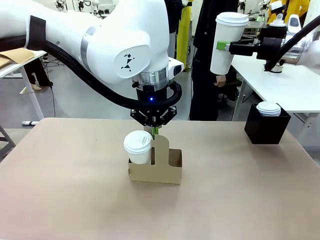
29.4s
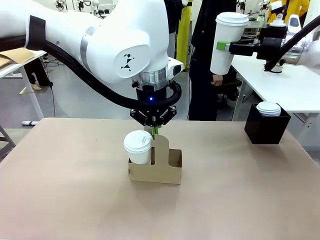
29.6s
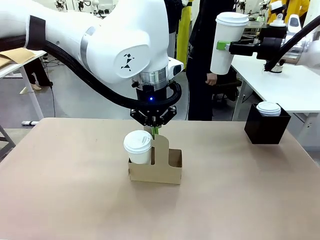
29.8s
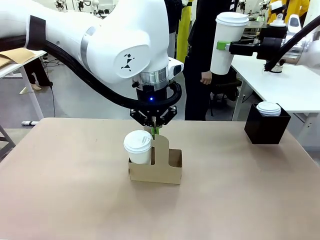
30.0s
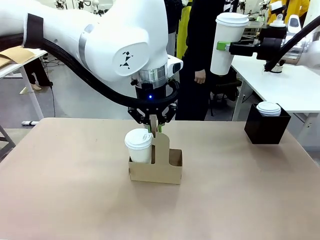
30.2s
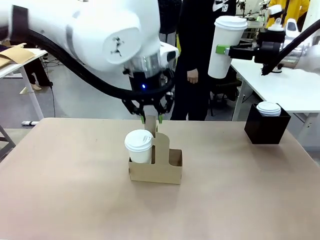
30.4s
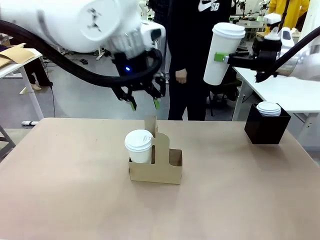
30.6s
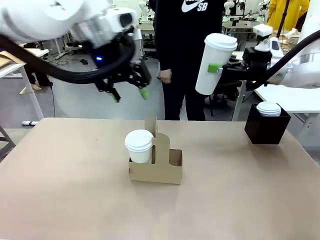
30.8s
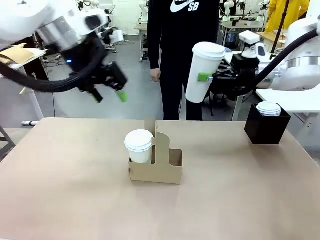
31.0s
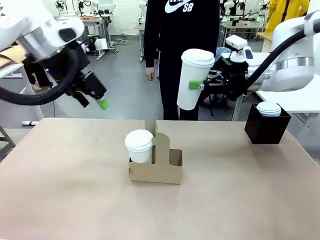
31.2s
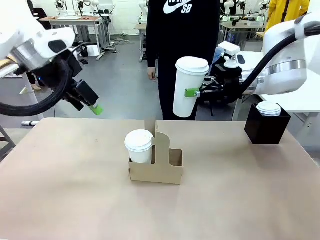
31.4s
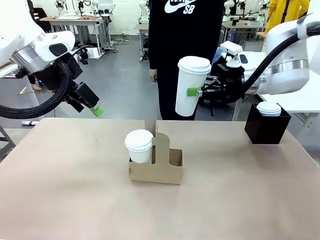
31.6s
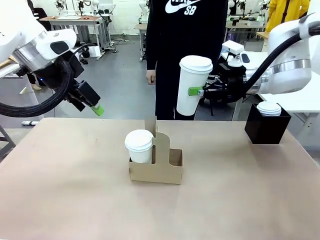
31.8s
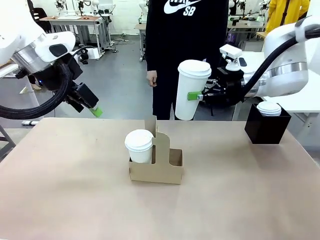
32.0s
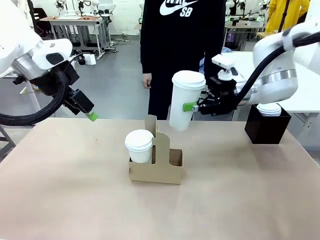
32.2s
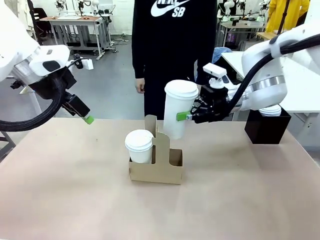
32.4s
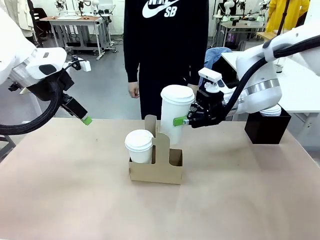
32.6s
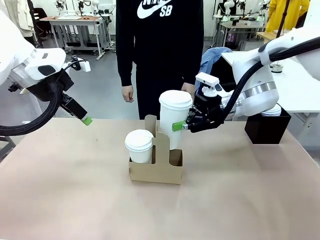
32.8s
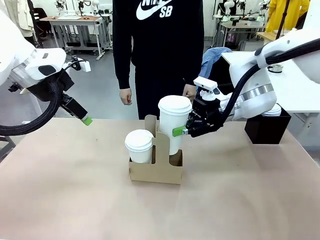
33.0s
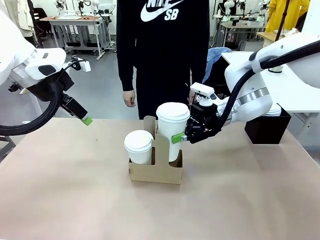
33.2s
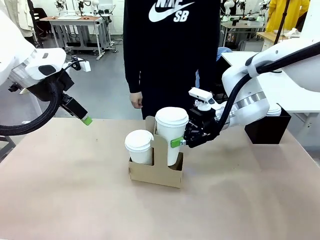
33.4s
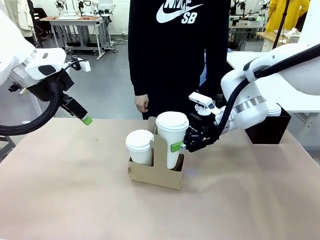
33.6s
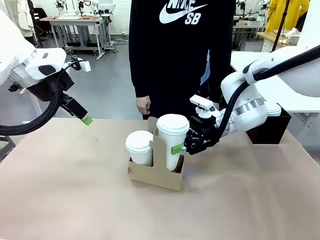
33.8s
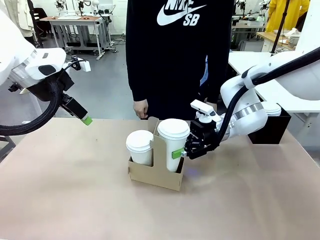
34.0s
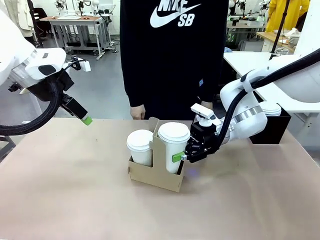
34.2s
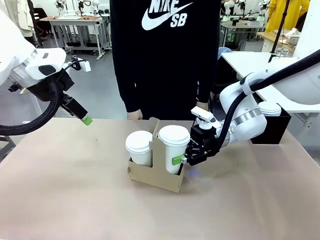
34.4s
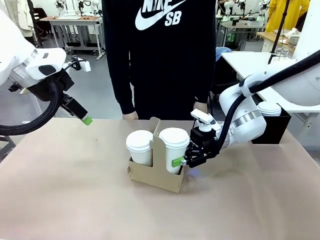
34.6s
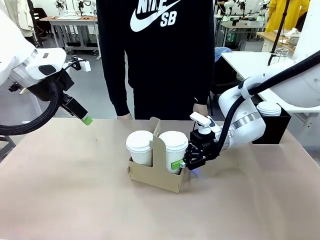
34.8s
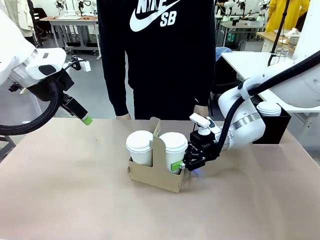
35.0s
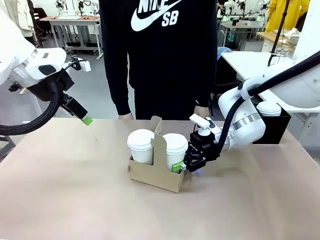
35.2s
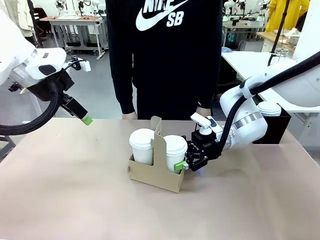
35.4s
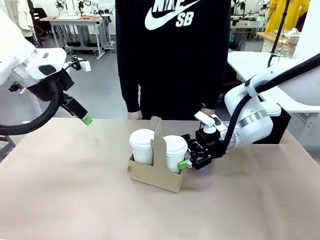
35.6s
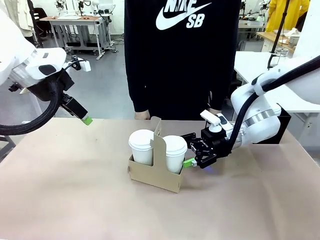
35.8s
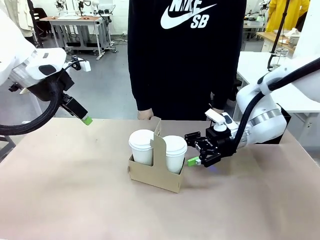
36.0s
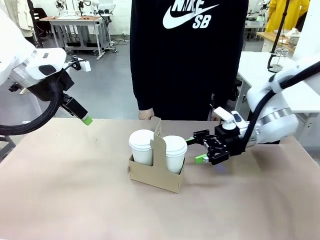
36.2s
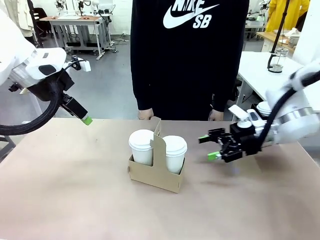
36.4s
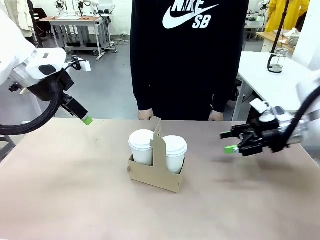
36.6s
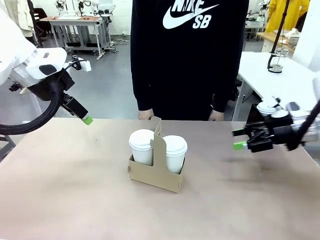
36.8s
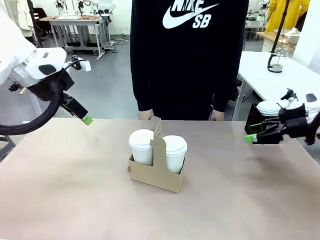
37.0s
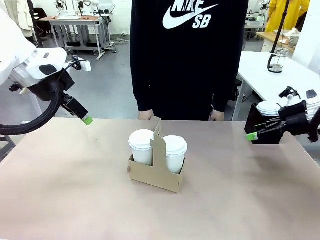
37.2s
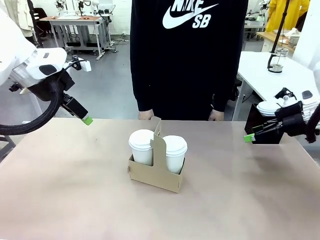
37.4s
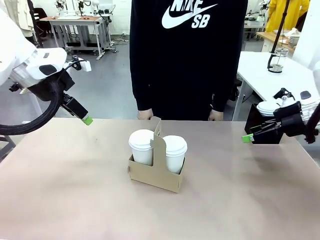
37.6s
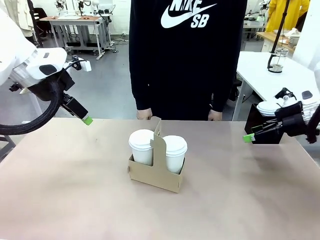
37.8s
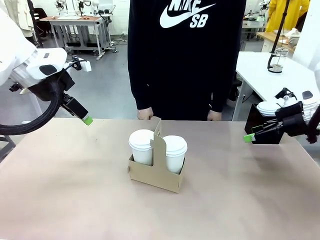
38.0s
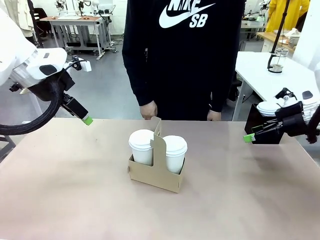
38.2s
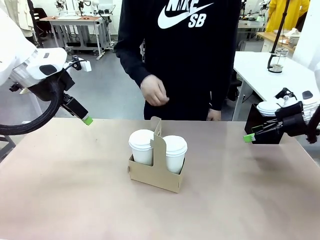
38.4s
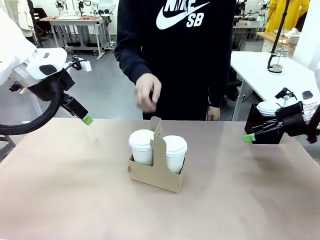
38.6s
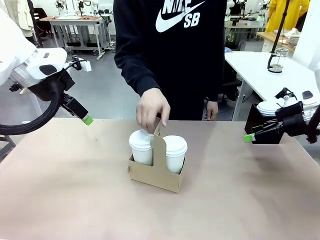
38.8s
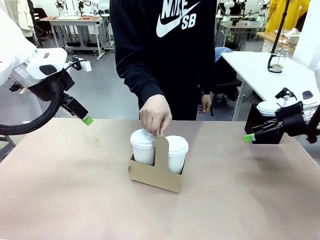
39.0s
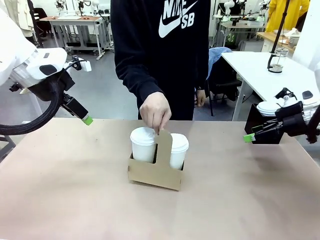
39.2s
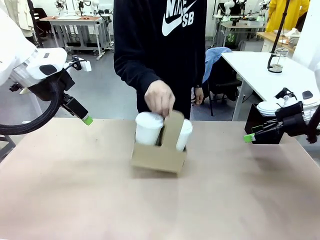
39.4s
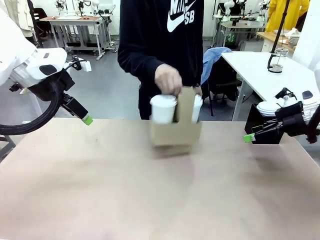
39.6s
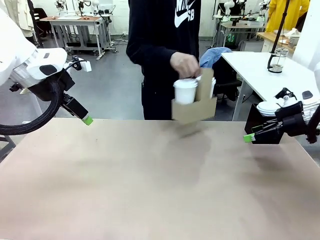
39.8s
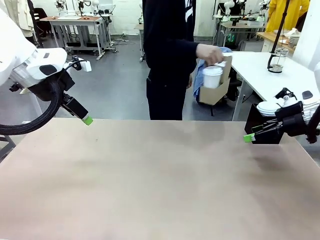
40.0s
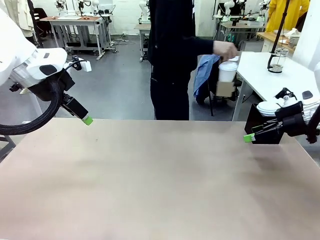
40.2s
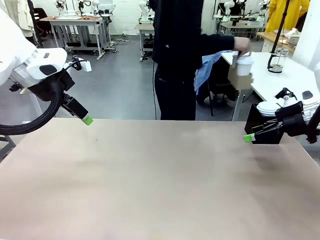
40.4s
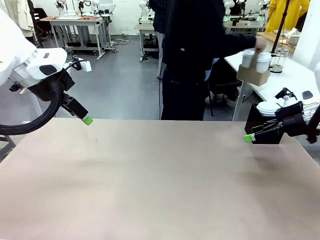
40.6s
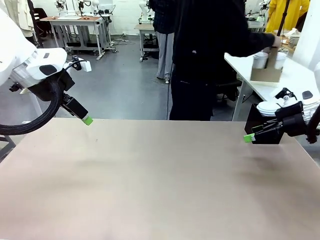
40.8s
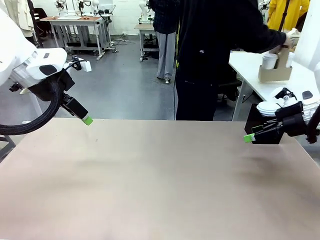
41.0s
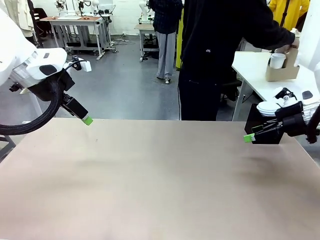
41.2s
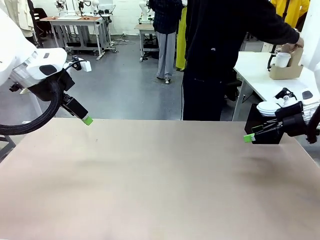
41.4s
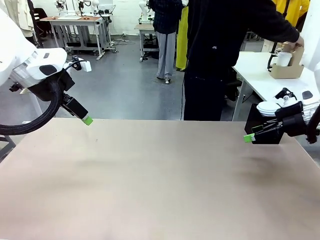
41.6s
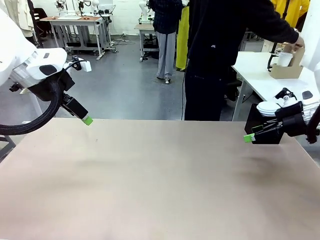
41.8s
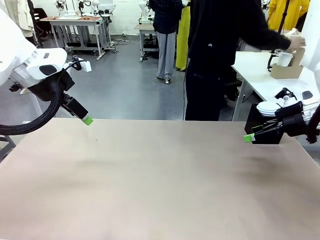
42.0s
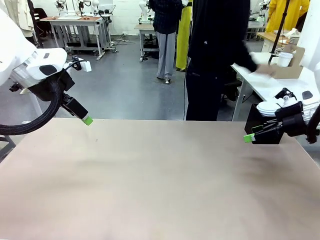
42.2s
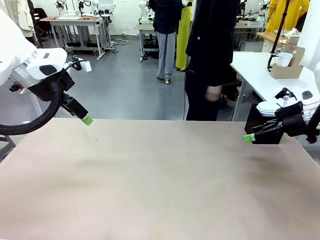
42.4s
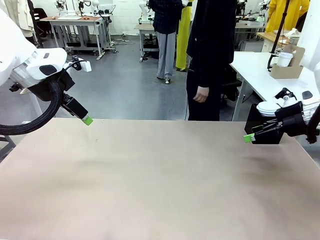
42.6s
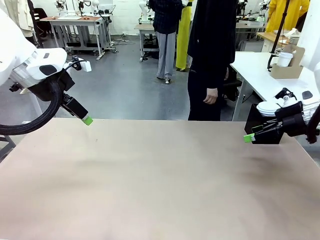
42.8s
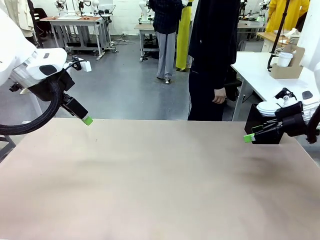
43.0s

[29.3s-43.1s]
Task: Pour a drink into a cup and package it in a carrier.
Robot: Insert the held 600 ml Paper Cup into the Cup Carrier.
Person: Place the Cup Carrier to the middle of Human table.

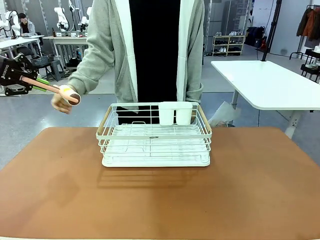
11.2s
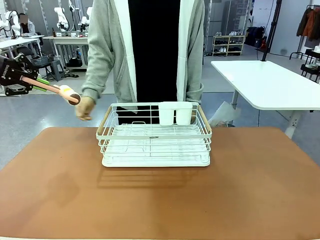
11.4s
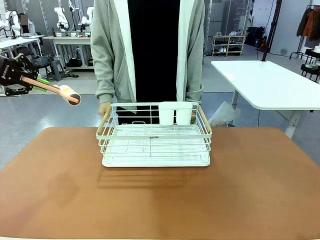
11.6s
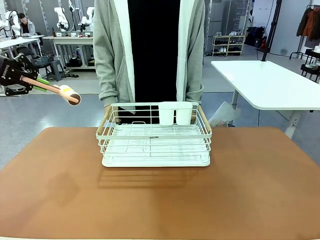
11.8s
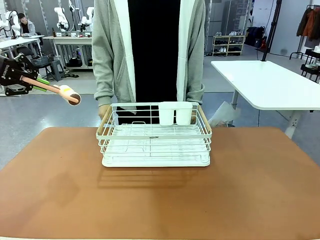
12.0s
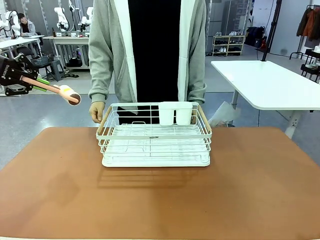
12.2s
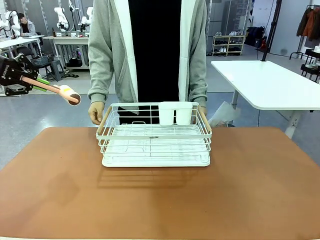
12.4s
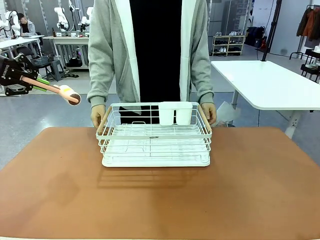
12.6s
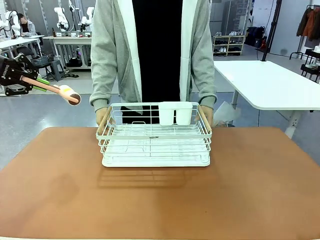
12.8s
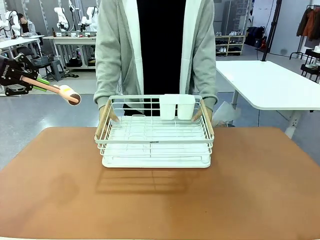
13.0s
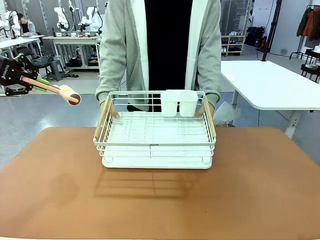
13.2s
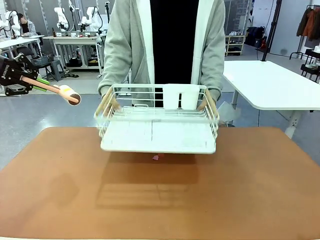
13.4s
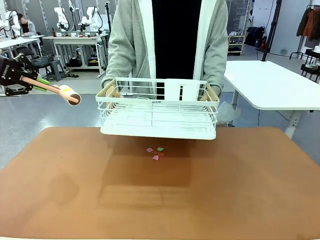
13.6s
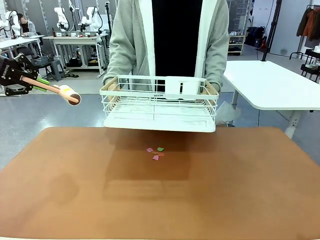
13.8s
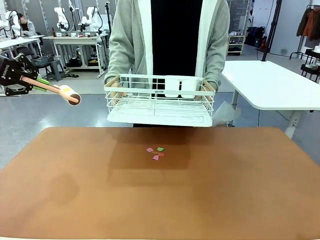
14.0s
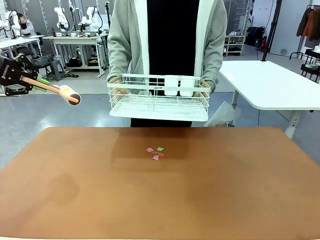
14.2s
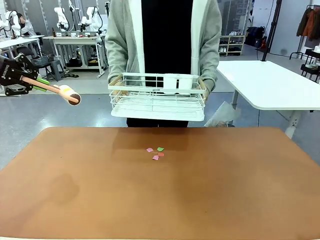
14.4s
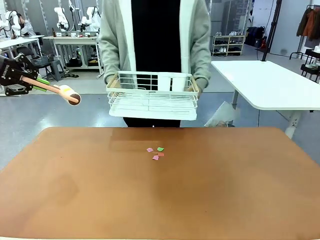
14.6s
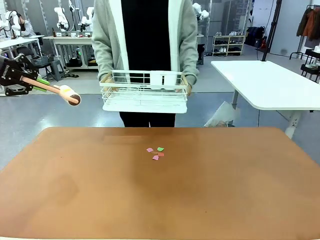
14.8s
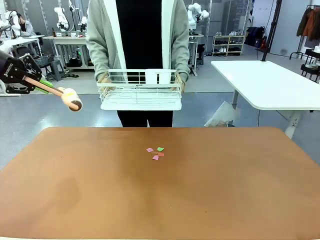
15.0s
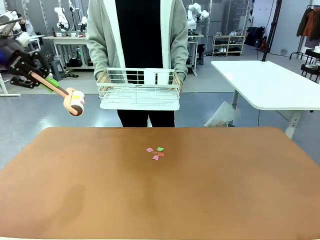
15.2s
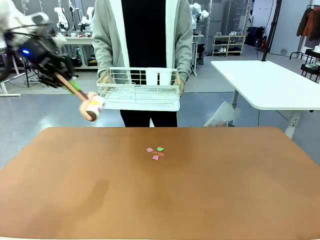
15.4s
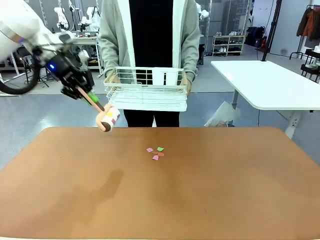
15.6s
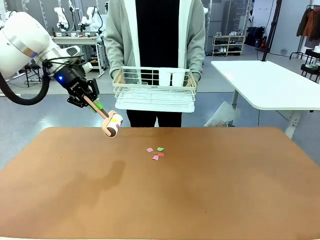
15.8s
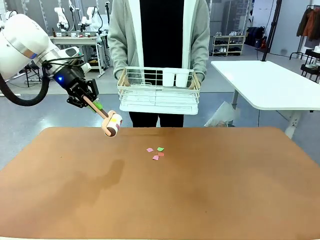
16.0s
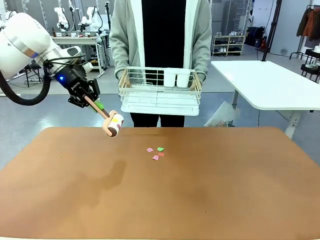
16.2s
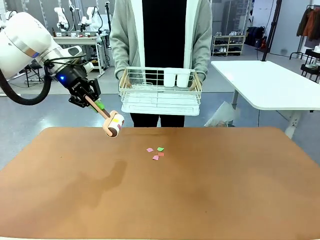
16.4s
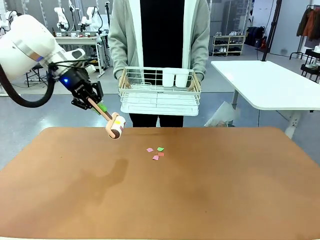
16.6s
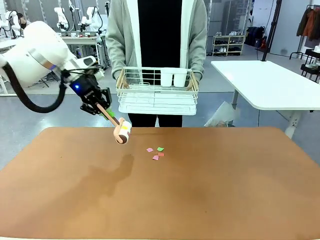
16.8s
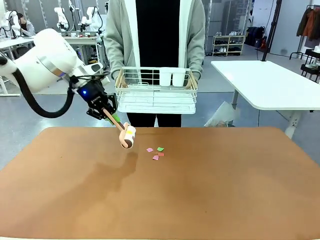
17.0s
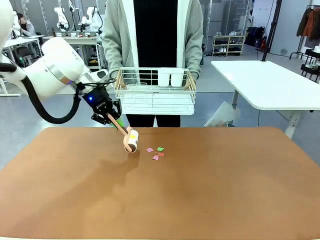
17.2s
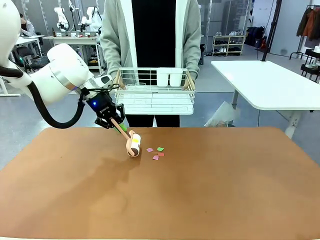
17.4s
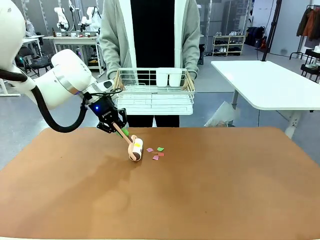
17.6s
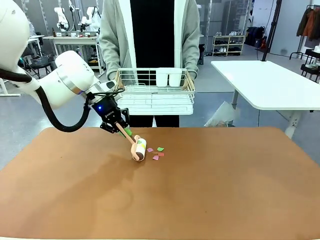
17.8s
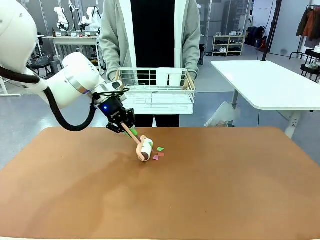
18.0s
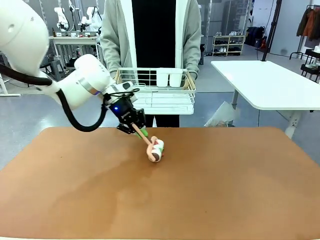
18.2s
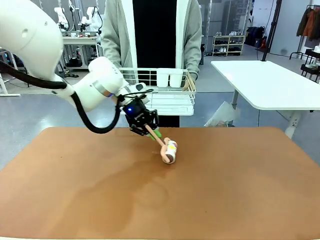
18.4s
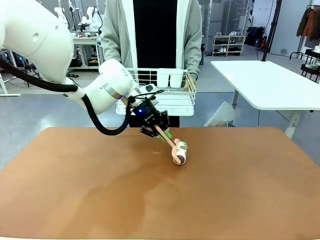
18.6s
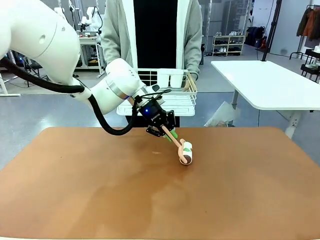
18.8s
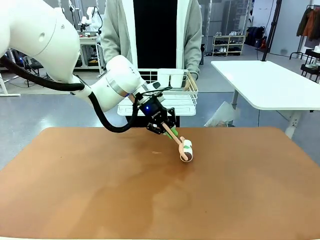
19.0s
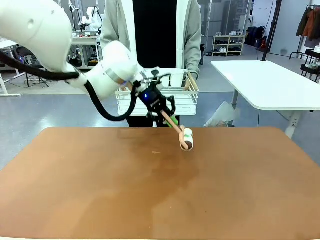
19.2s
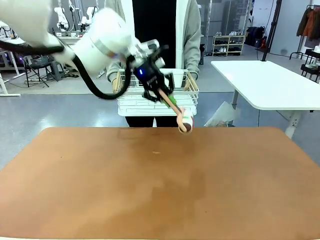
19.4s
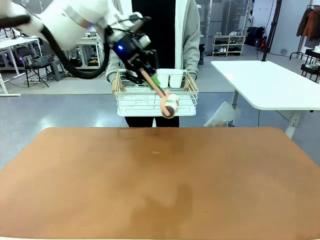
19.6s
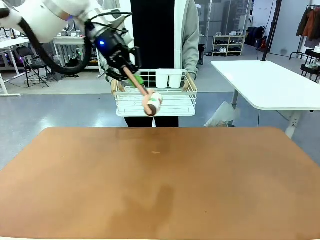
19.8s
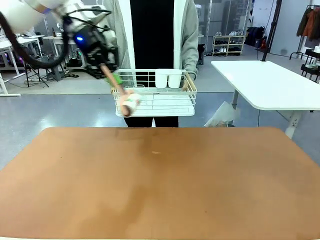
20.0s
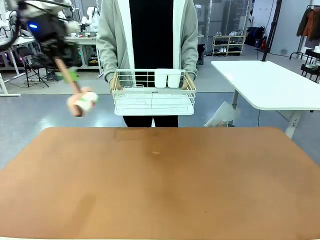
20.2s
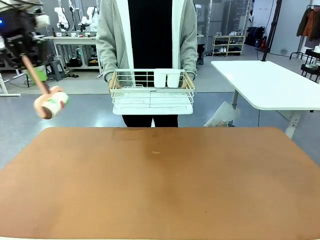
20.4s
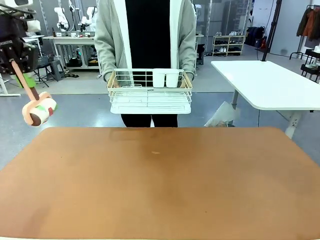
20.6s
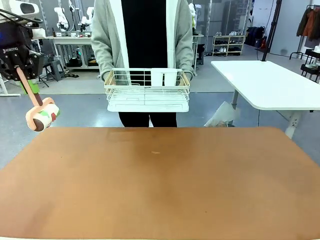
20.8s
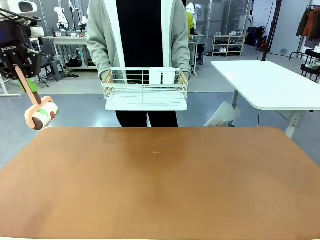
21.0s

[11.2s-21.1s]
Task: Clean the table.
Robot: Clean the table with the Lint Roller when the human lifts the Dish drying rack.
